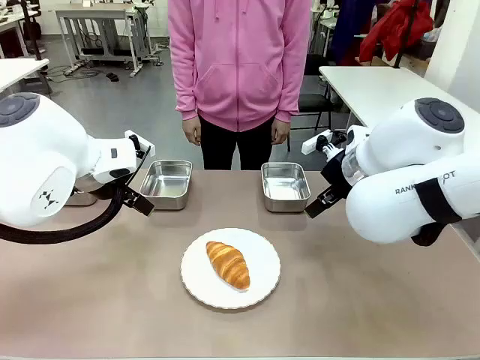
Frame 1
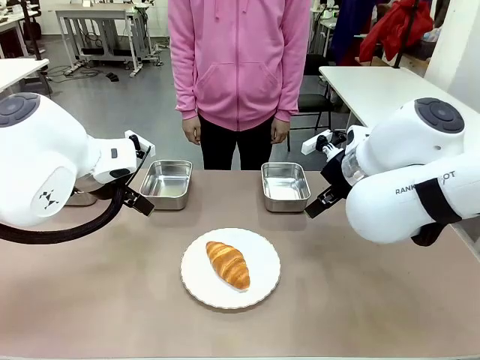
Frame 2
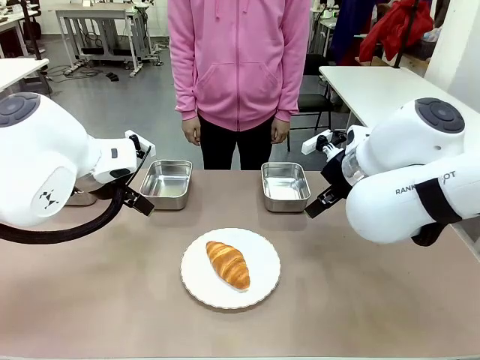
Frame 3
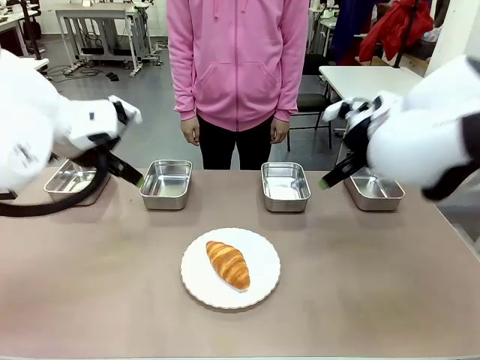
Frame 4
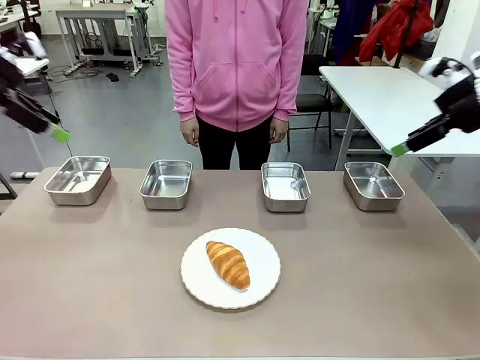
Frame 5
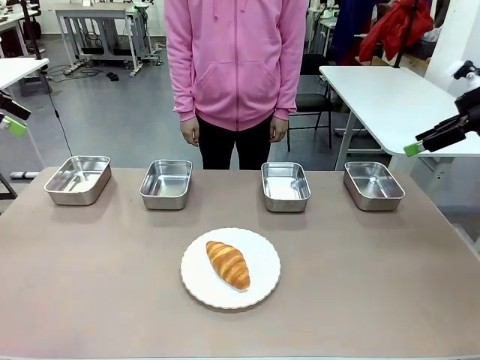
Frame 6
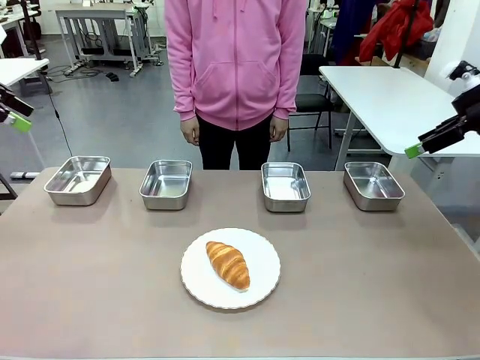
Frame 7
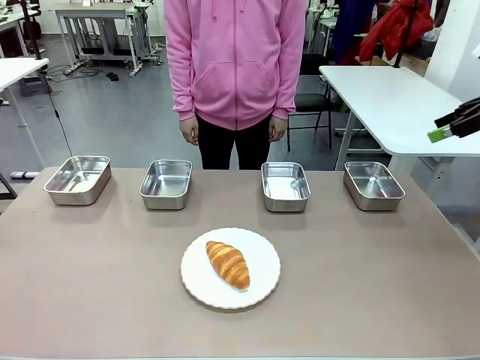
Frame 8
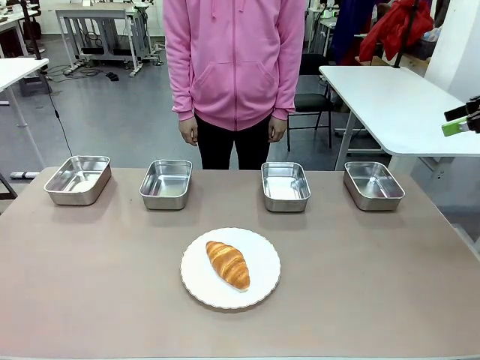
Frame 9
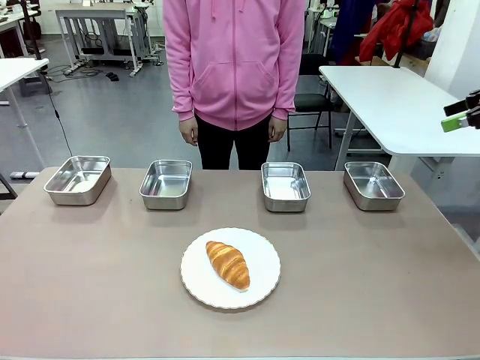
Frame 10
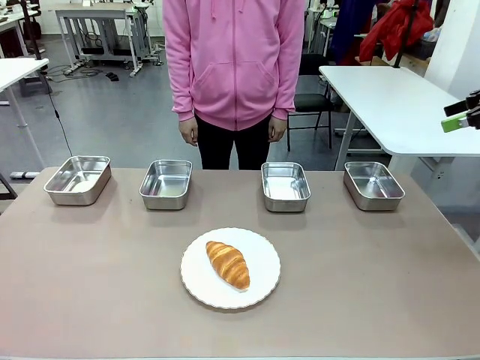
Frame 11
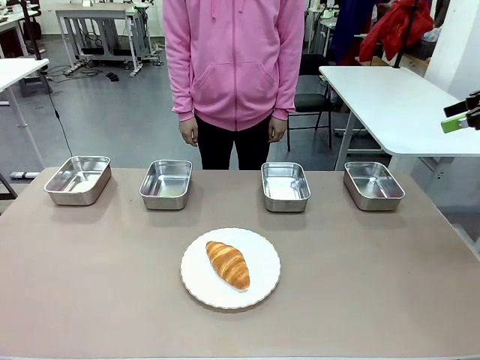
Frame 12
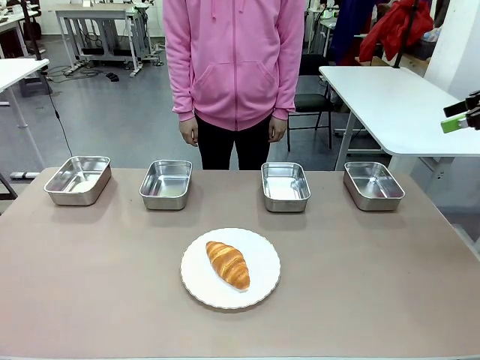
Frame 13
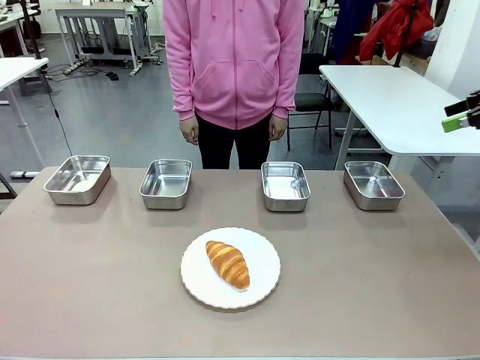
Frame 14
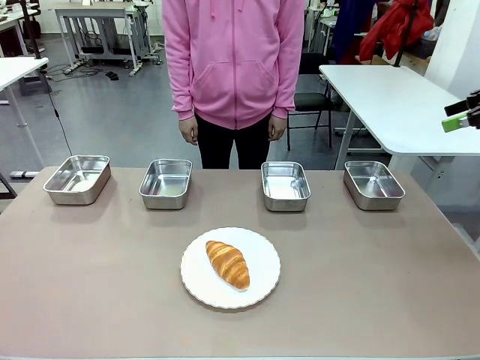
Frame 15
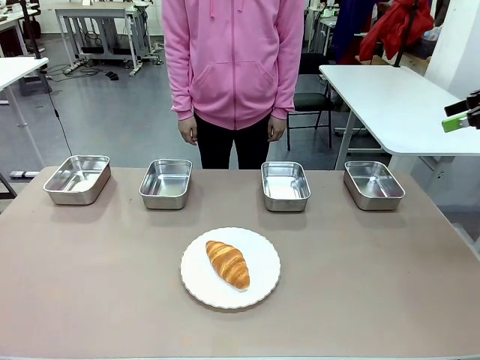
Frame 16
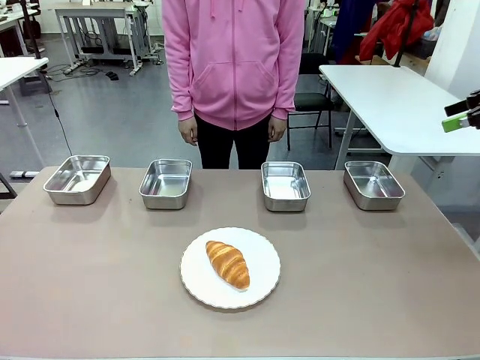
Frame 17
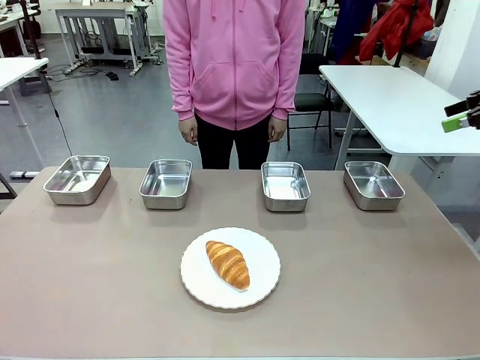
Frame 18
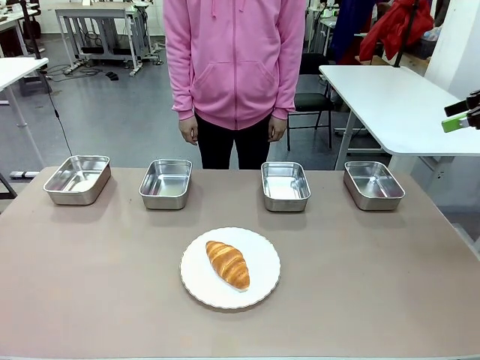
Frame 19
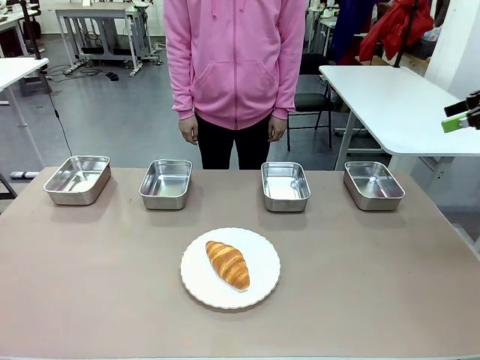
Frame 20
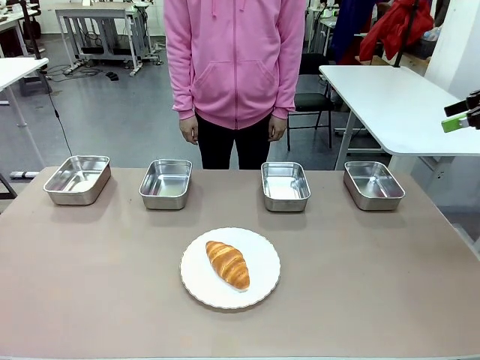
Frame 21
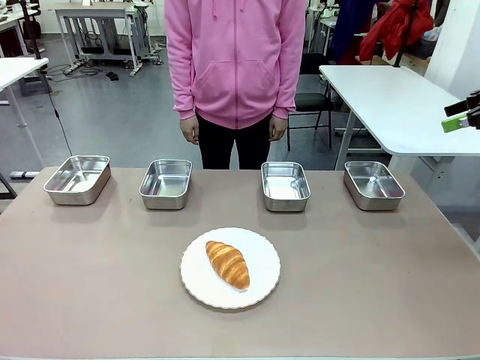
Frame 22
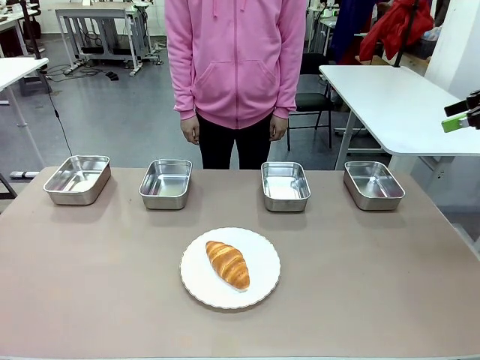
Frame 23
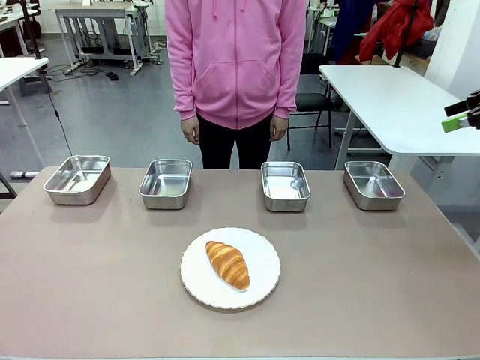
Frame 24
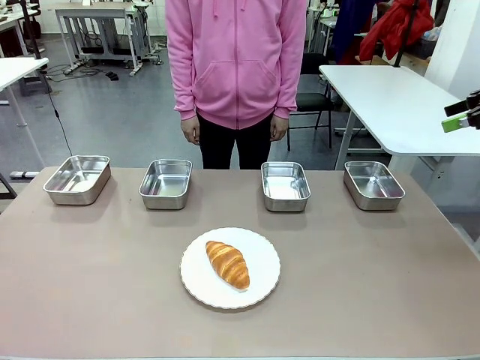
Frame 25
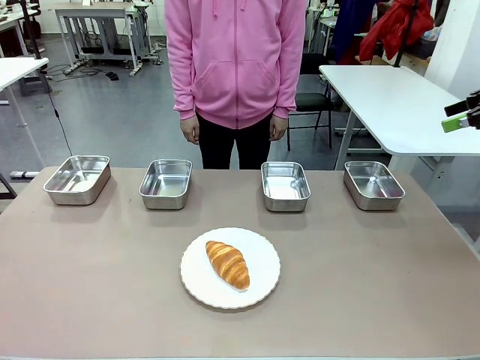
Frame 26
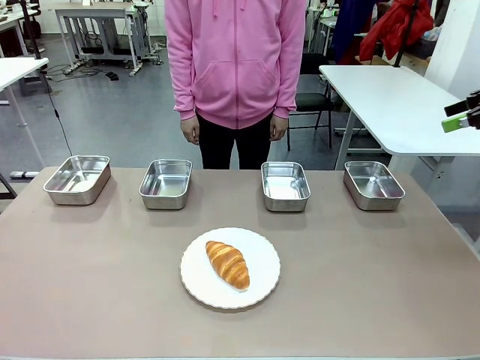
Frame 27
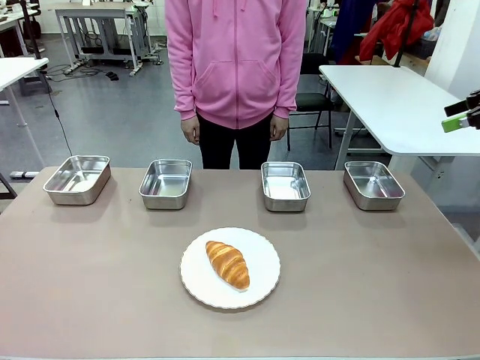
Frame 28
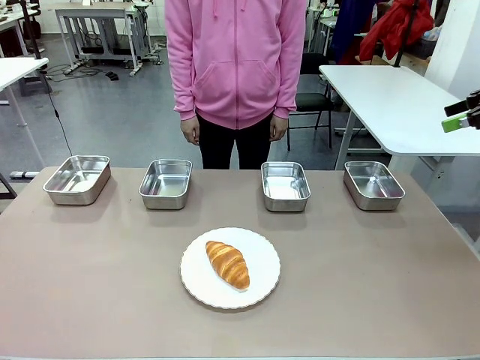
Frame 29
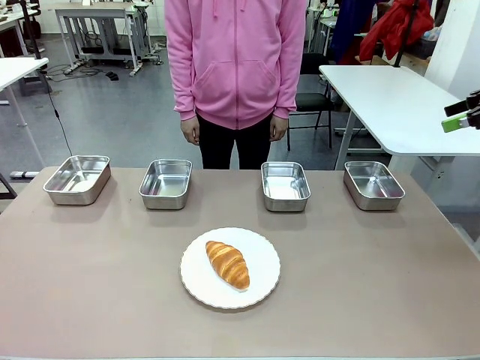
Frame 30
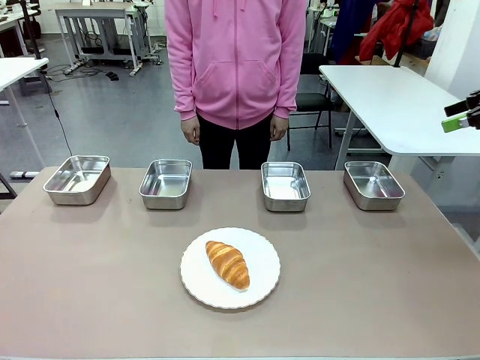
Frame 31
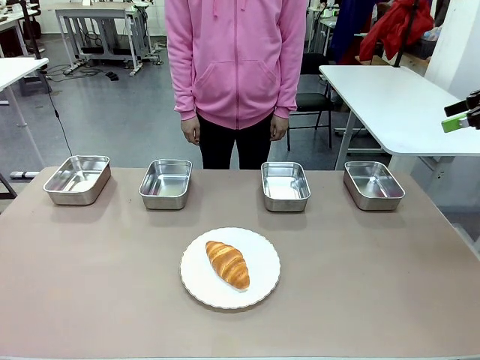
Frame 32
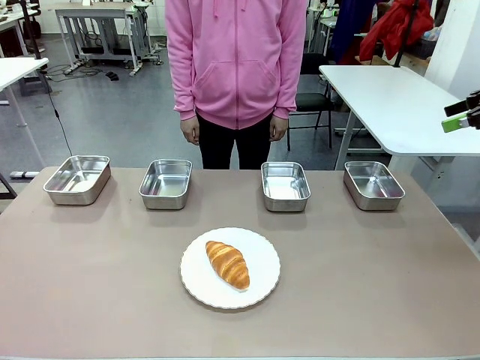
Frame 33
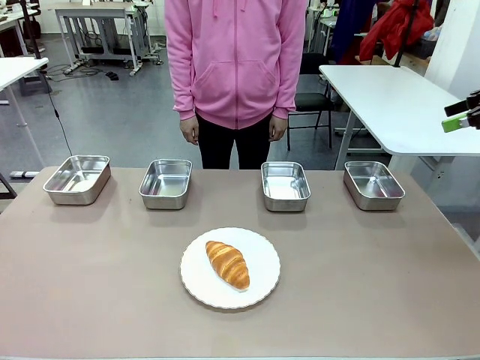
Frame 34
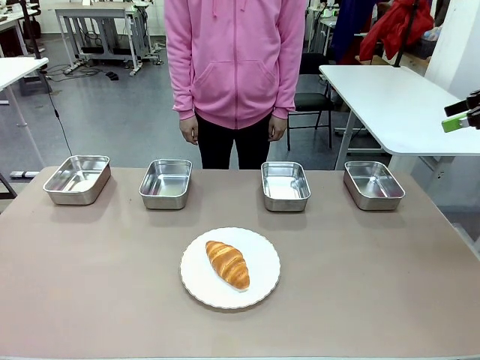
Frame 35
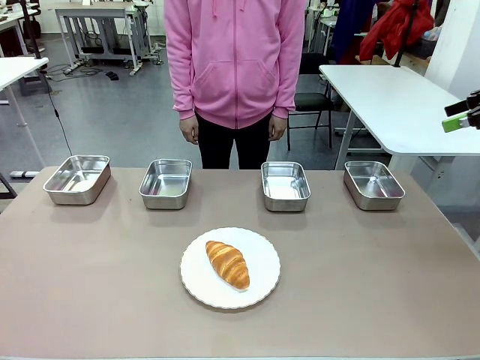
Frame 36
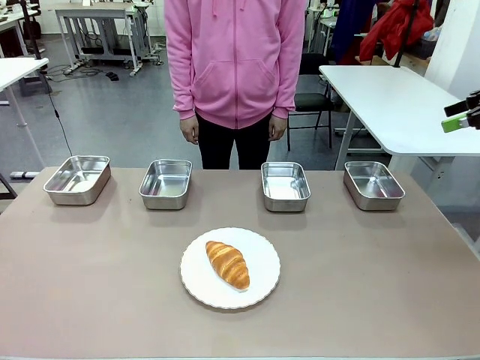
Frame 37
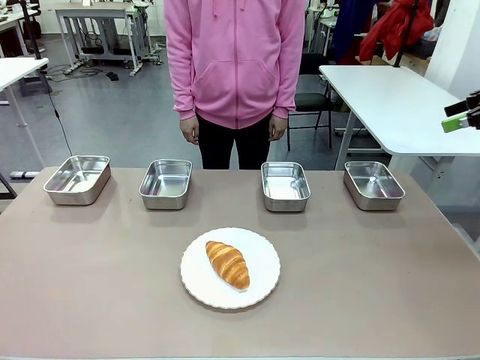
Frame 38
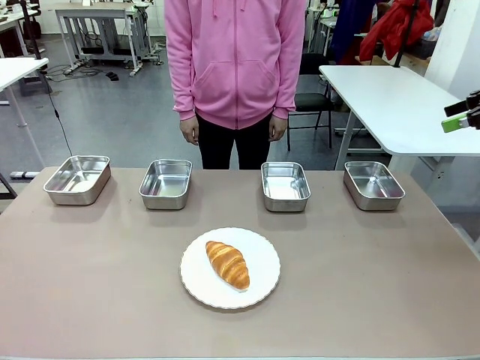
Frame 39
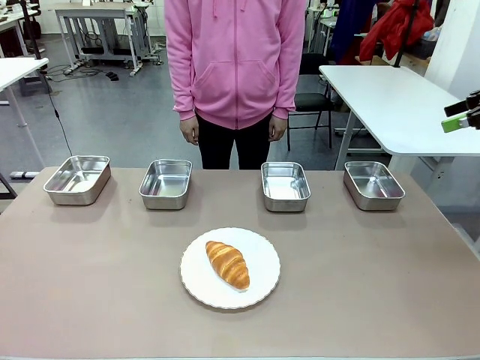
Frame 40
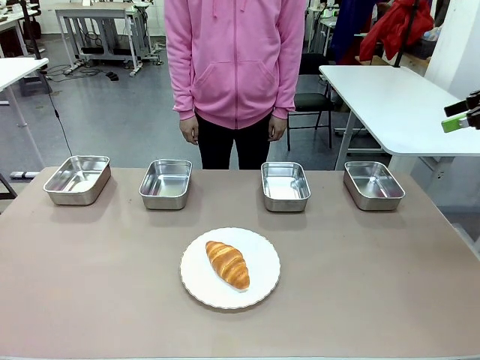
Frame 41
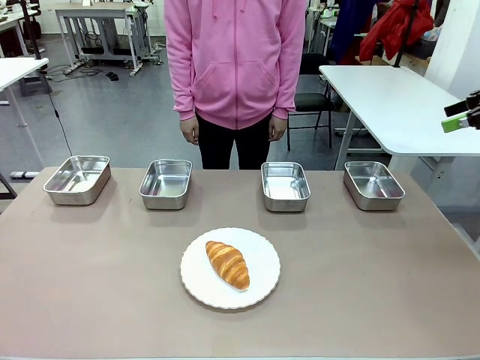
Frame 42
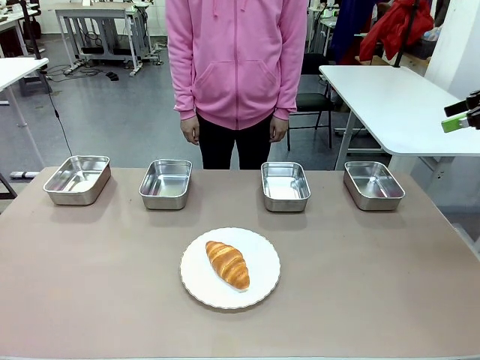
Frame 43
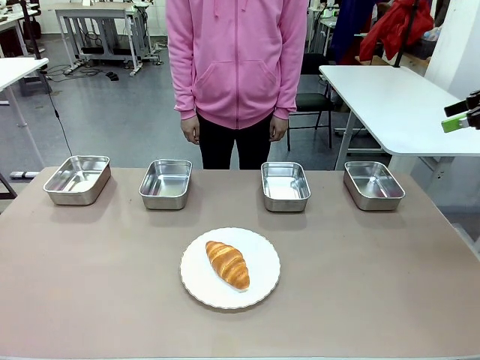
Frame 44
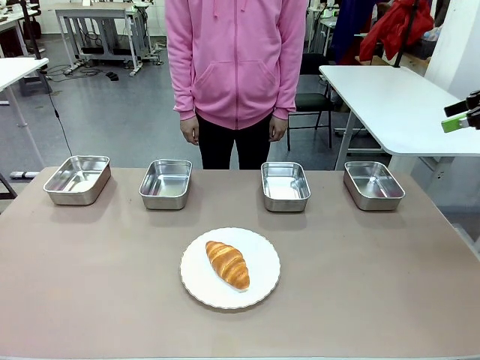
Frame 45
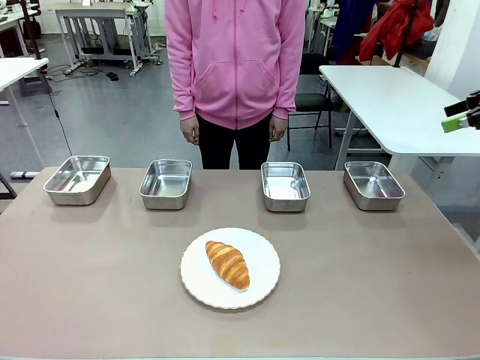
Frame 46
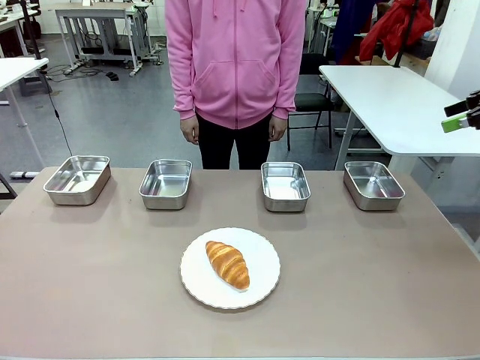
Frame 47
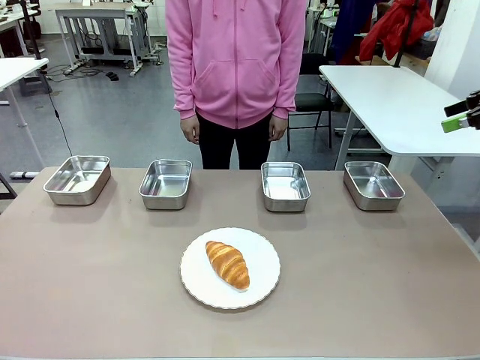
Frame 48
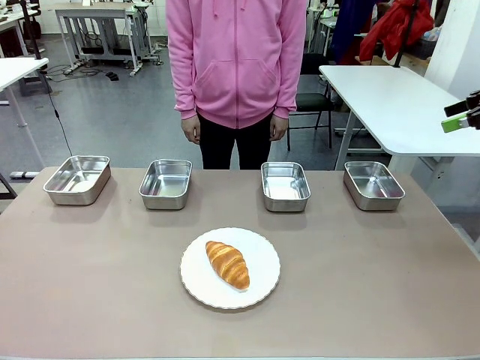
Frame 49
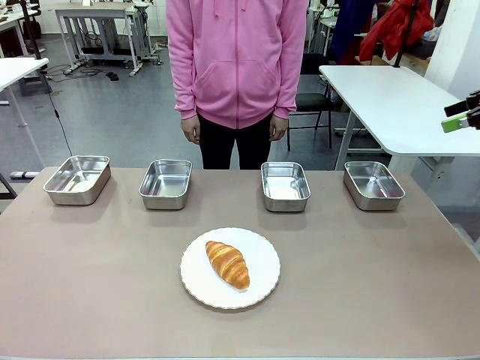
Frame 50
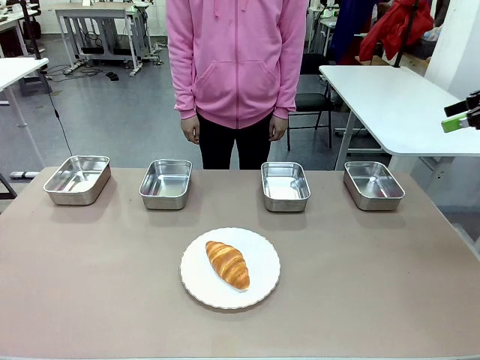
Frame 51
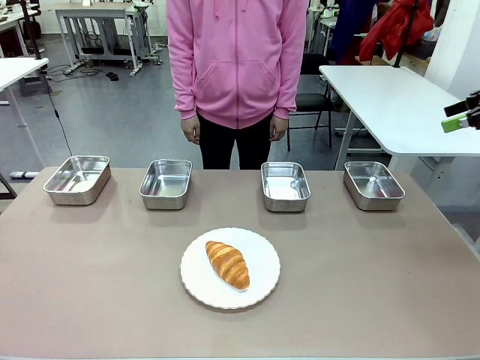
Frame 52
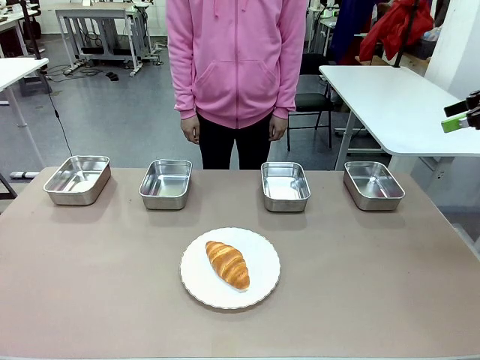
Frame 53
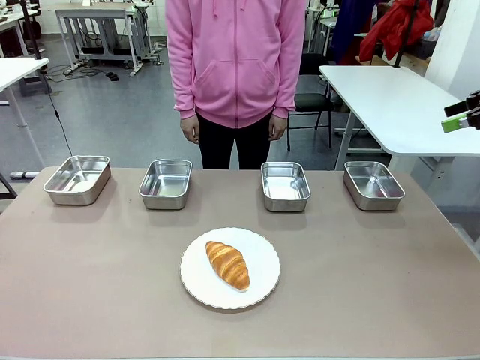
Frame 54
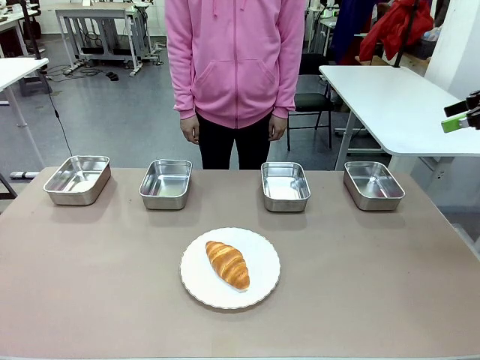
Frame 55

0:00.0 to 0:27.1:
Task: Place the bread in the container.
Robot: Place the Butter Roll into the Airtight Container indicated by the human.
